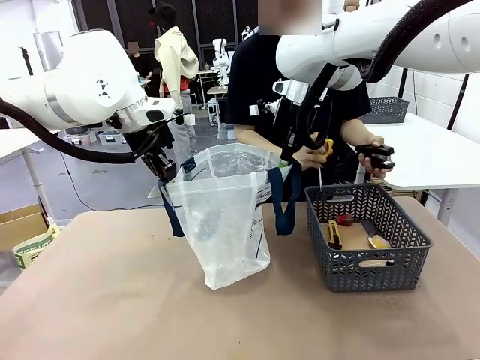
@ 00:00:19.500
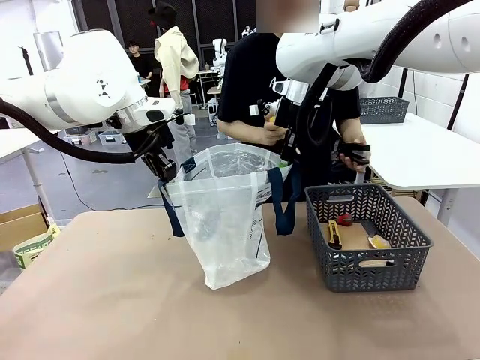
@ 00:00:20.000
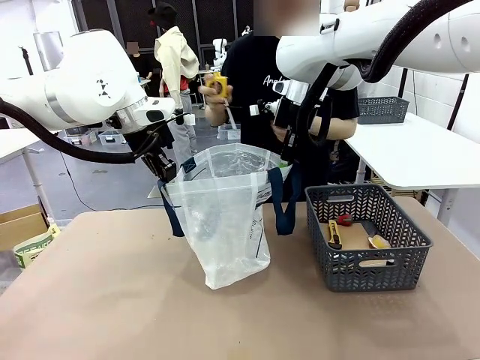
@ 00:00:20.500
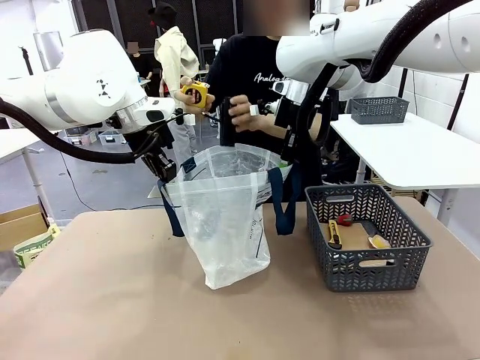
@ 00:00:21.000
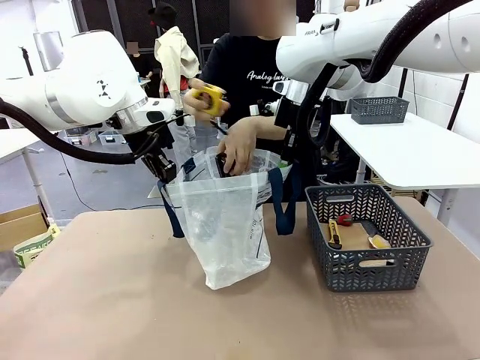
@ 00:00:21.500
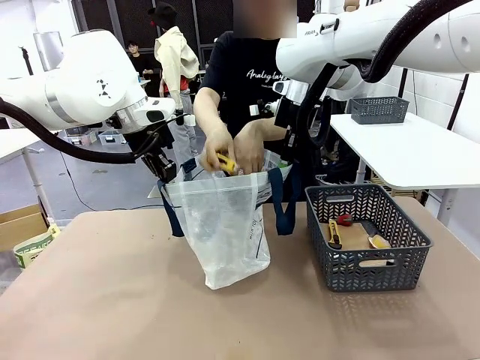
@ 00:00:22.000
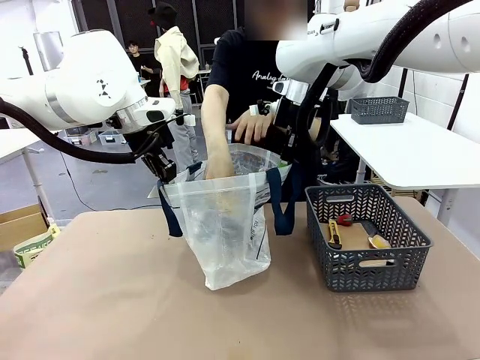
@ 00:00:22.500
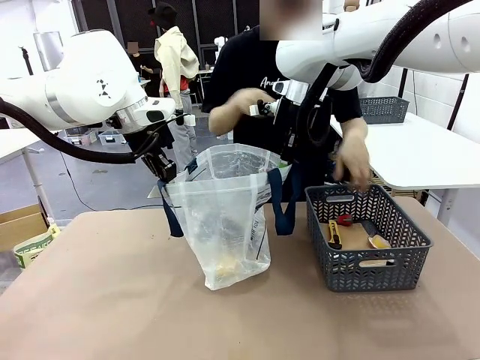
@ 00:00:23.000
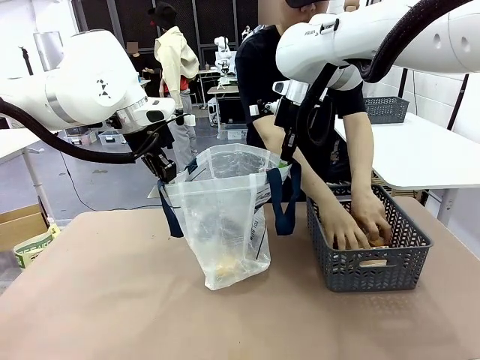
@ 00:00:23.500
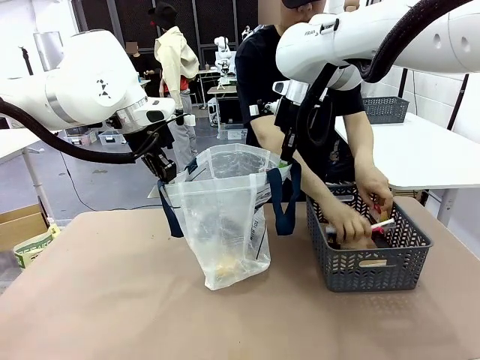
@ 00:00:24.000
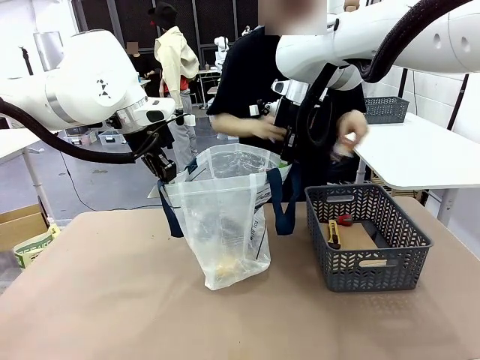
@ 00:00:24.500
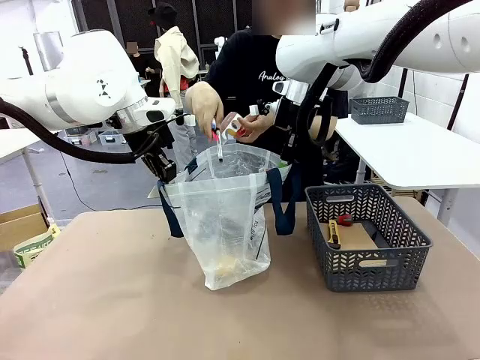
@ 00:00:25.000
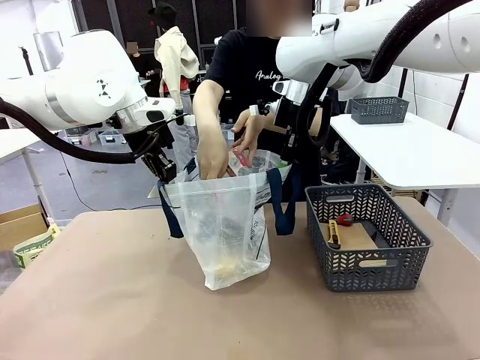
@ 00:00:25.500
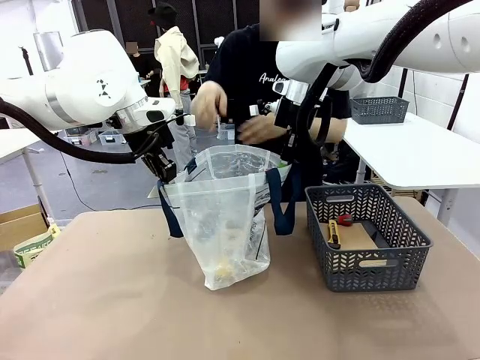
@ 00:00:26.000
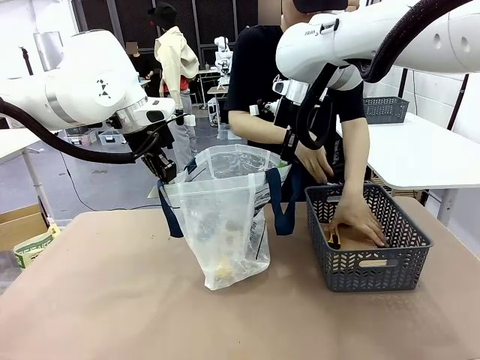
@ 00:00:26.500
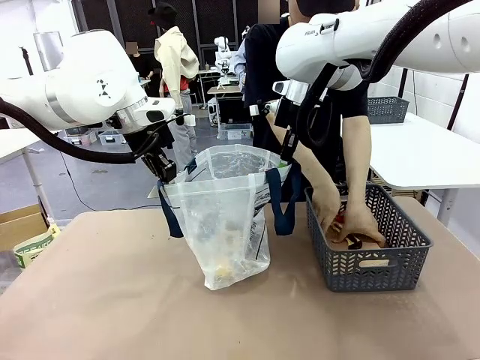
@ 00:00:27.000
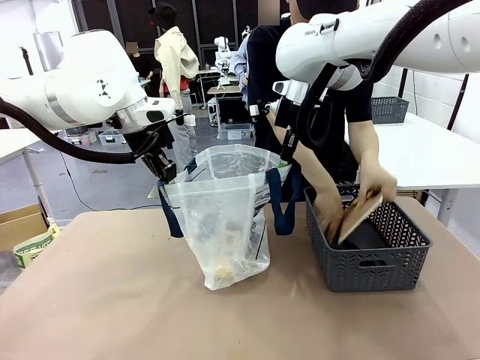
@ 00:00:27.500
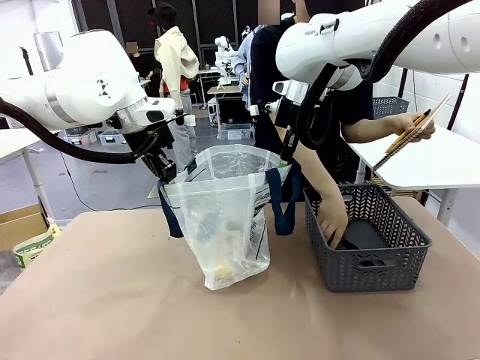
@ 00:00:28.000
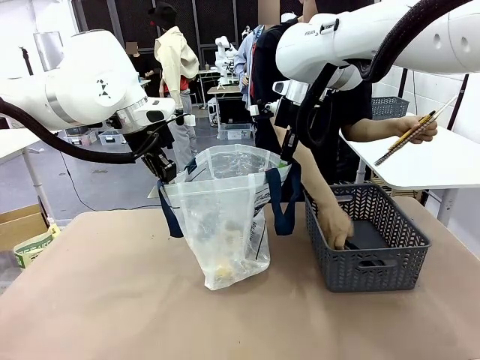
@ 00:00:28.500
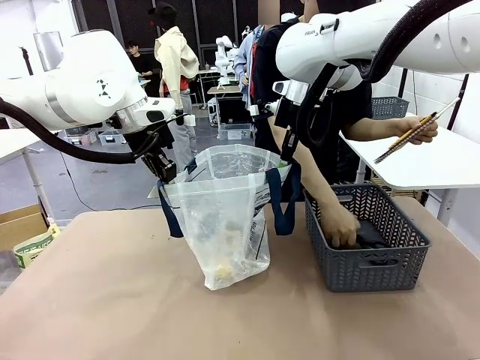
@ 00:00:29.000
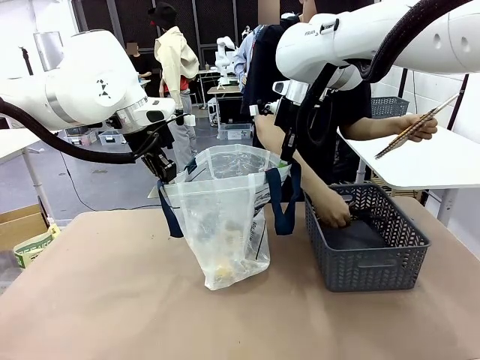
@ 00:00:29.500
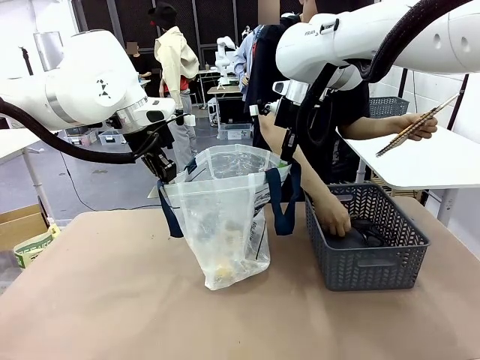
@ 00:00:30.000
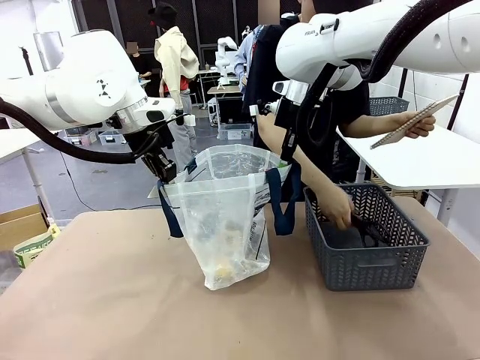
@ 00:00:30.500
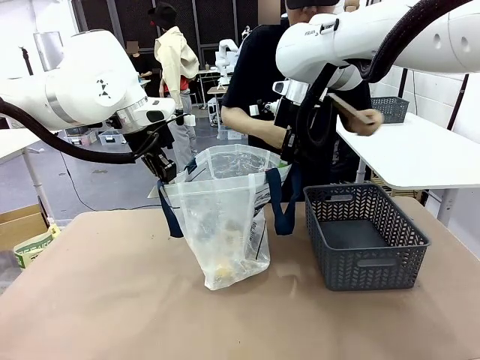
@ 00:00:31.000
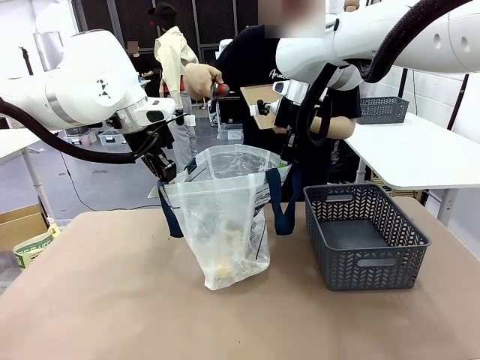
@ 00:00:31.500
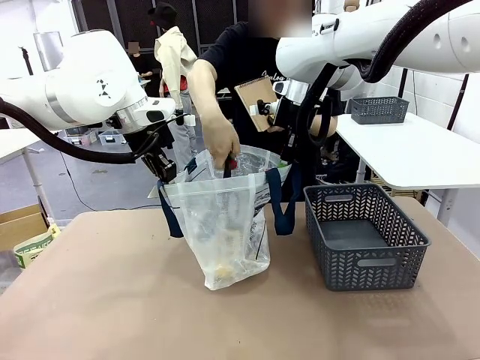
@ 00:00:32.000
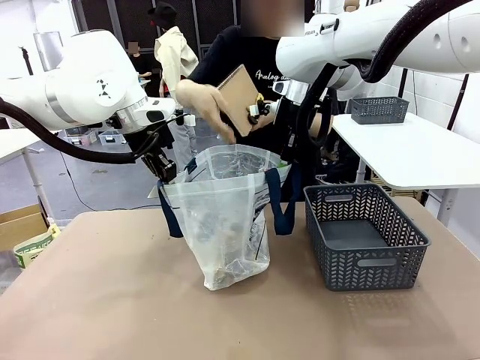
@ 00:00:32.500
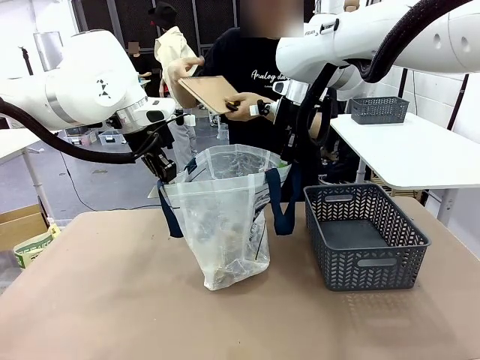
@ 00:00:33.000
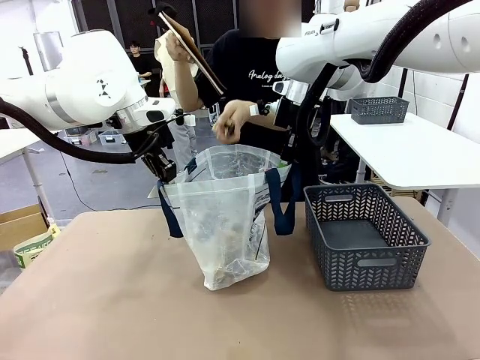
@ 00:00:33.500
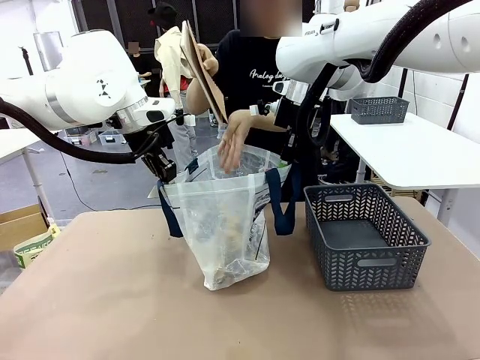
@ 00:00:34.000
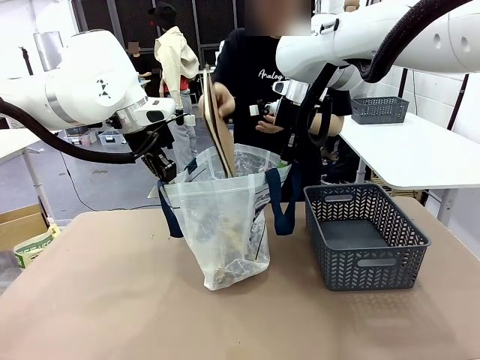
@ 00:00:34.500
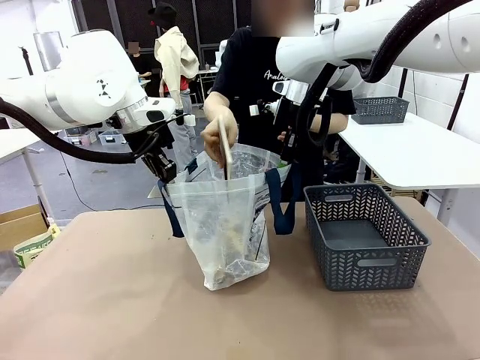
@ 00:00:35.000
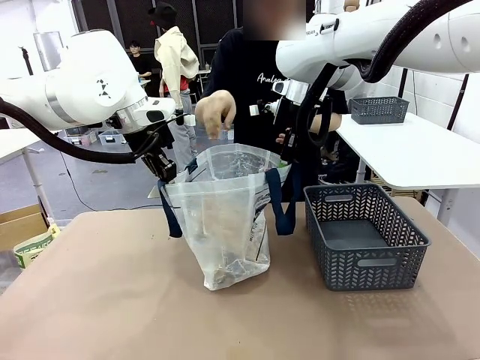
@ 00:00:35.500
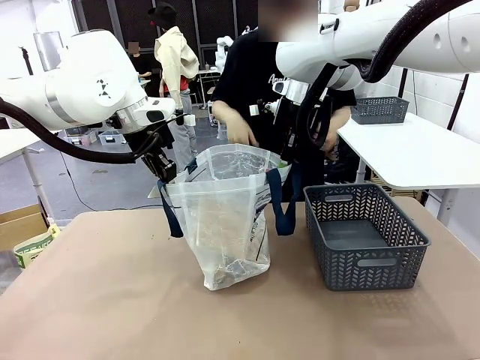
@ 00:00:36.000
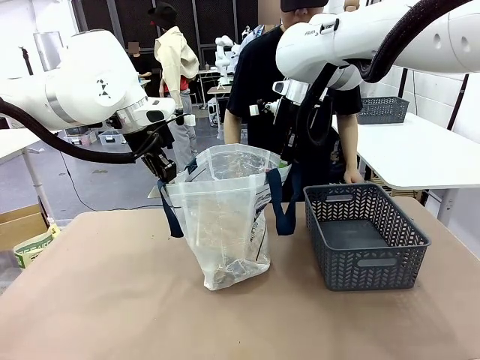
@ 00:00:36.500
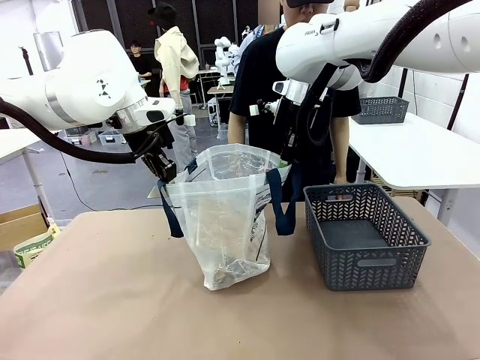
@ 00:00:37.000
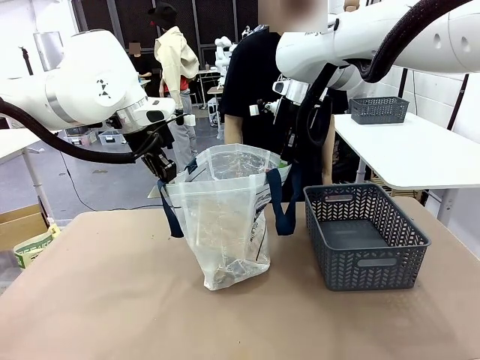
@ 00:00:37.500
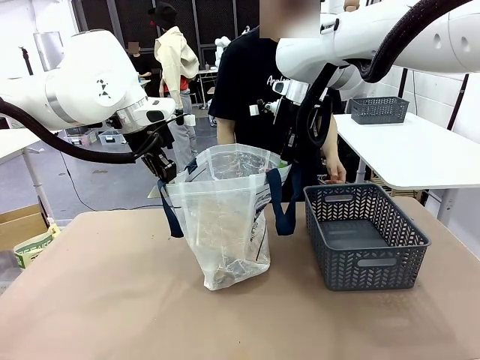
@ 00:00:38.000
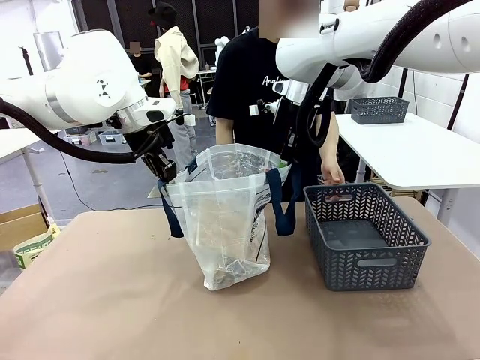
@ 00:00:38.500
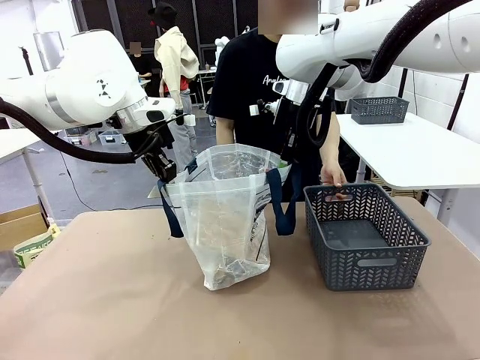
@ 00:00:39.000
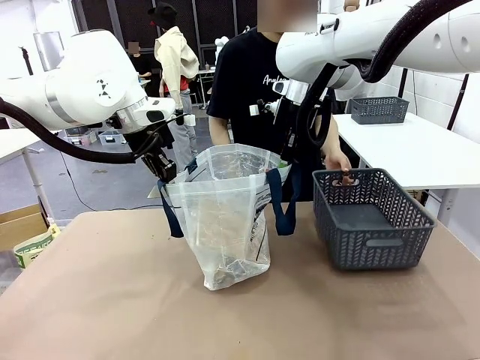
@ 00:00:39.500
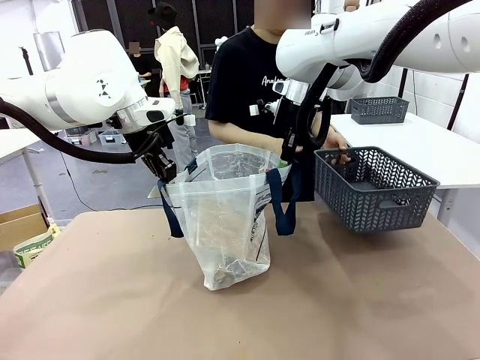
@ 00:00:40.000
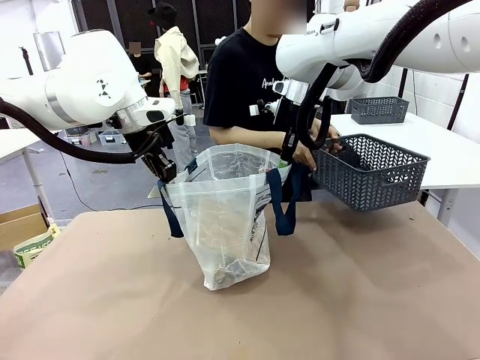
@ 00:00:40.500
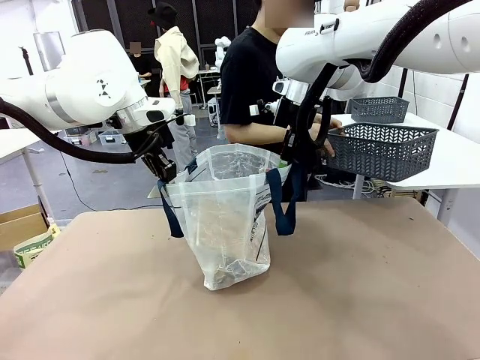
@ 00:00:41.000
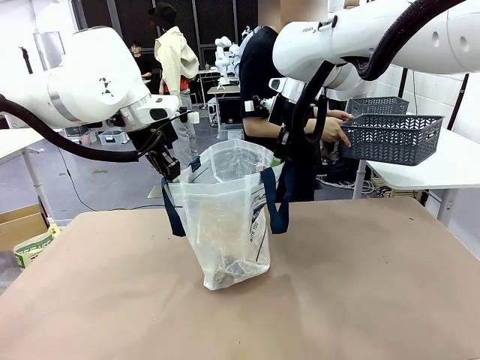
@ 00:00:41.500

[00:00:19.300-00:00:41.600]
Task: Transfer purchased items from the store into the shopping bag.
Robot: Move the Reusable shopping bag to the right side of the table.
Person: Pick up the basket on the right, place it on the left side of the robot table, and move the items in the basket to the shopping bag. Pick up the basket with the items out and place it on the right side of the human table.

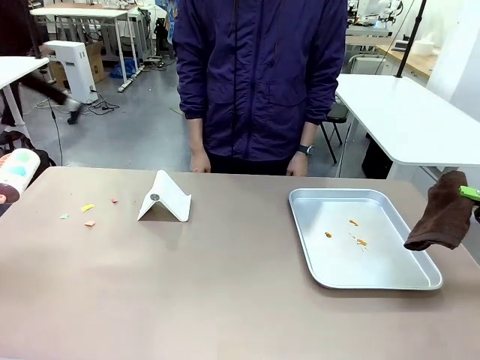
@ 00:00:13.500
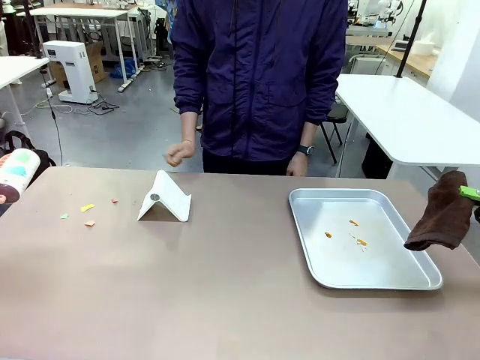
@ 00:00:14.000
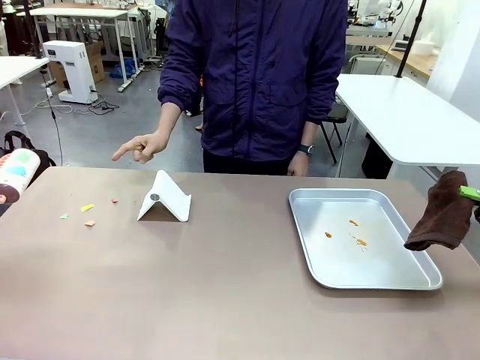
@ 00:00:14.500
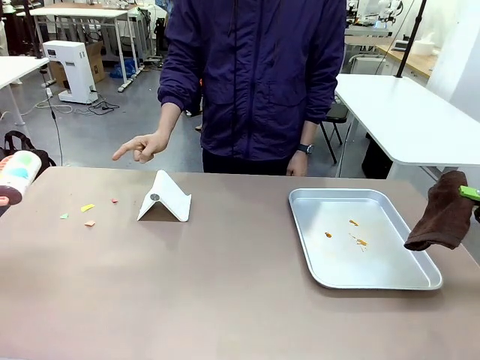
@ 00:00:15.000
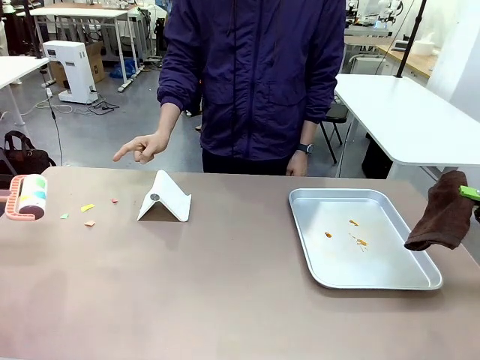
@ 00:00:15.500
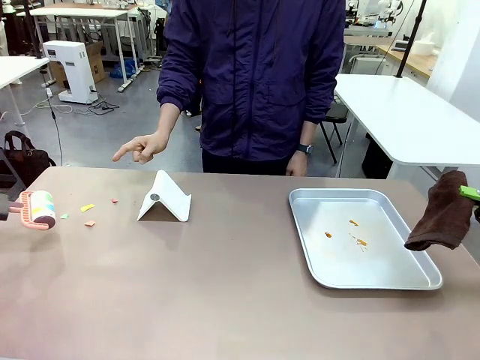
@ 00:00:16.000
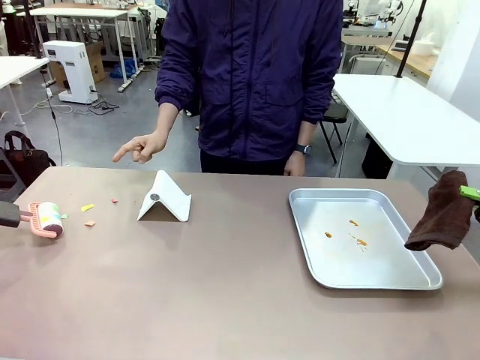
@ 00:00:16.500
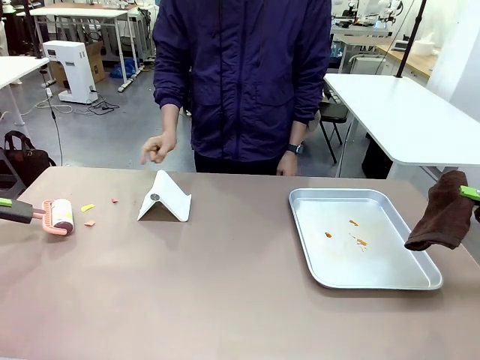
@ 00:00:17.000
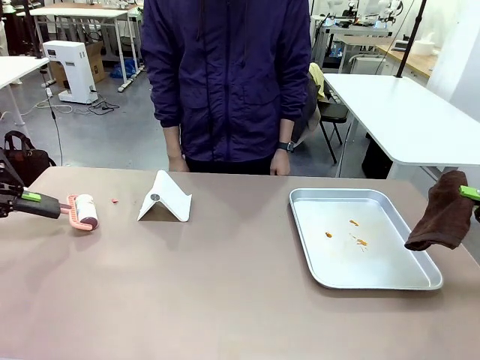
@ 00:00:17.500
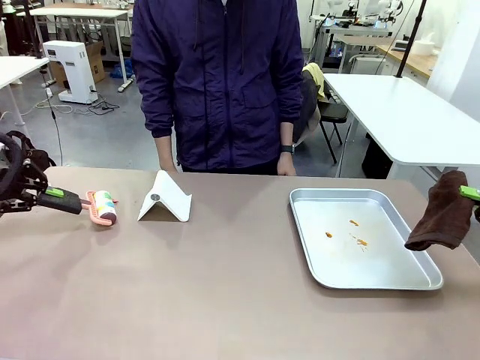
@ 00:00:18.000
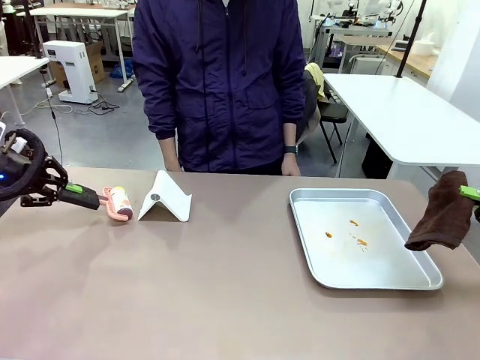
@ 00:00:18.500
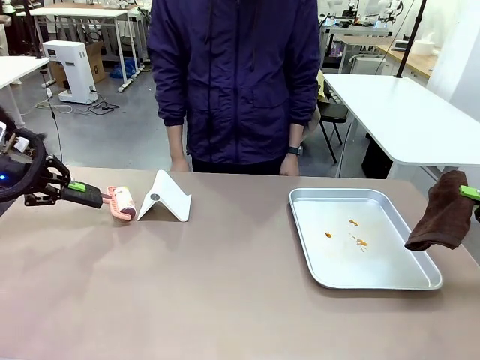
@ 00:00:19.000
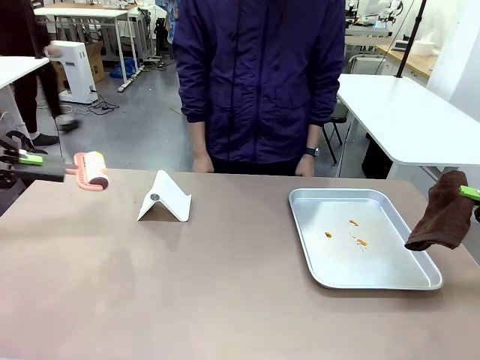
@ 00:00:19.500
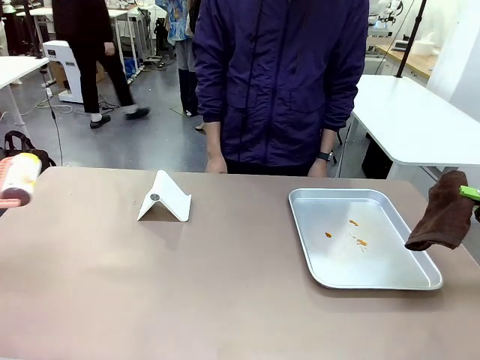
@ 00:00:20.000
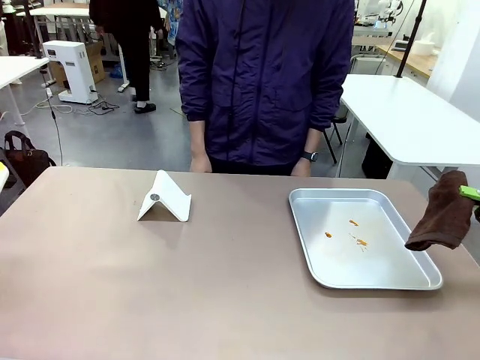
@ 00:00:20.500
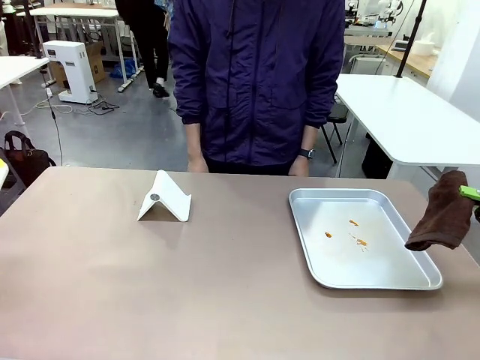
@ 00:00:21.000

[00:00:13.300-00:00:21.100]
Task: Clean the surface of the table.
Robot: If a person points to the right, clean the right side of the table with your right hand, and if they point to the left, clean the left side with your left hand.
